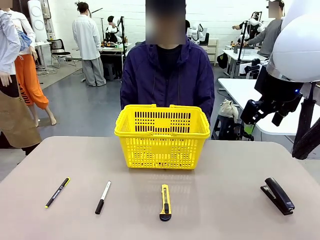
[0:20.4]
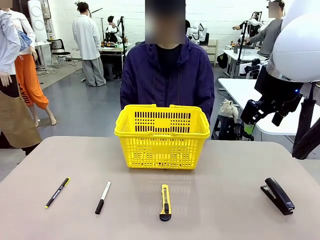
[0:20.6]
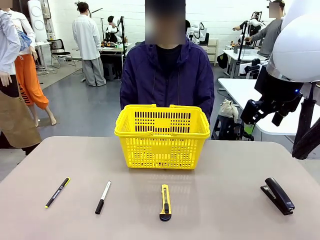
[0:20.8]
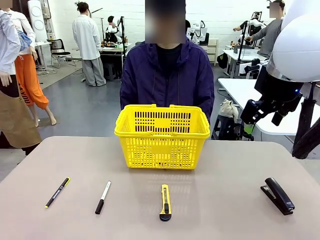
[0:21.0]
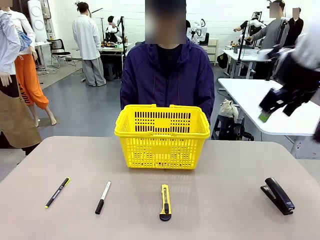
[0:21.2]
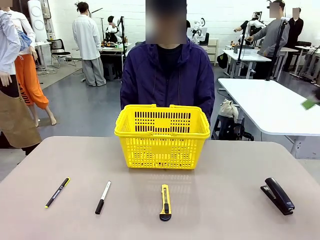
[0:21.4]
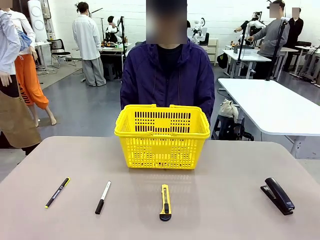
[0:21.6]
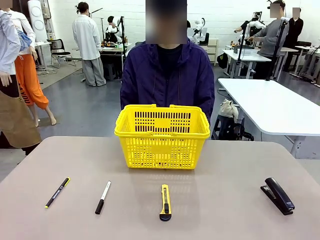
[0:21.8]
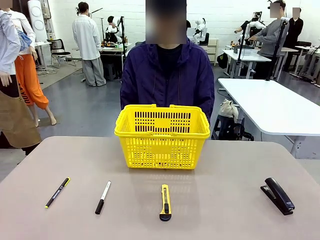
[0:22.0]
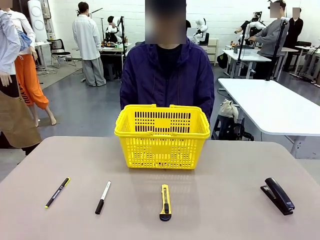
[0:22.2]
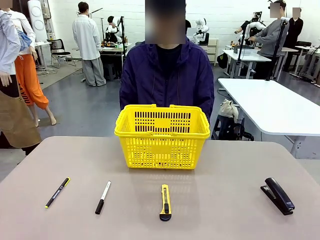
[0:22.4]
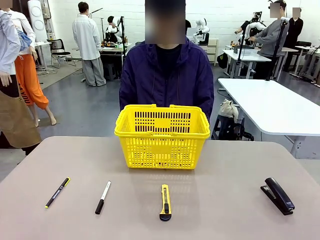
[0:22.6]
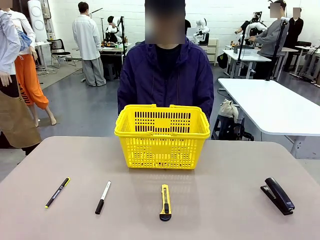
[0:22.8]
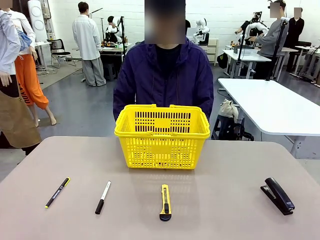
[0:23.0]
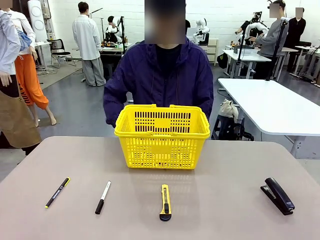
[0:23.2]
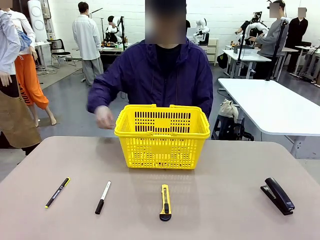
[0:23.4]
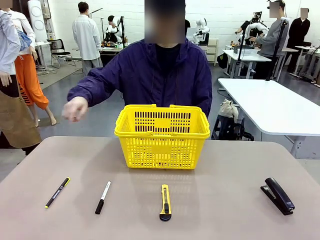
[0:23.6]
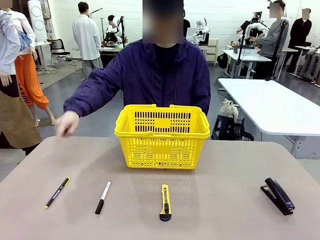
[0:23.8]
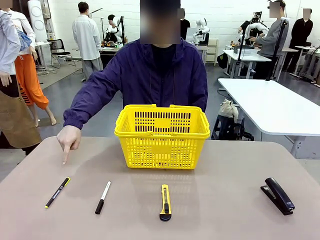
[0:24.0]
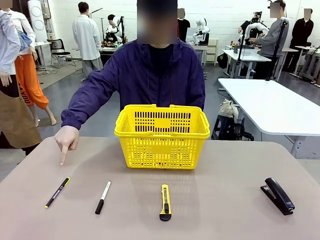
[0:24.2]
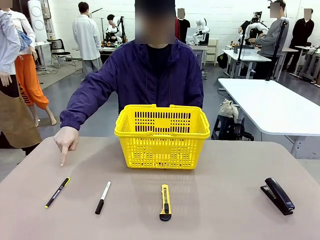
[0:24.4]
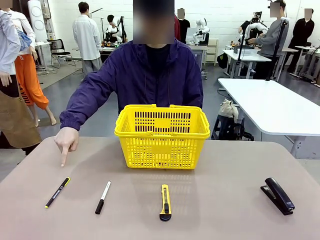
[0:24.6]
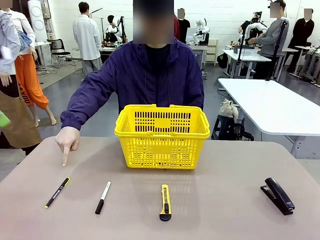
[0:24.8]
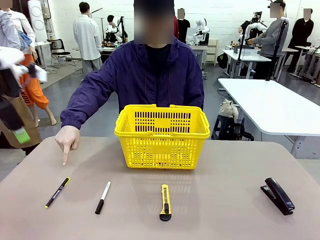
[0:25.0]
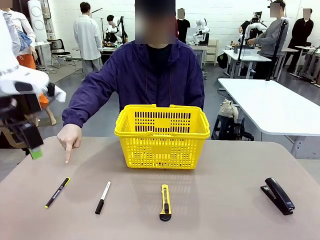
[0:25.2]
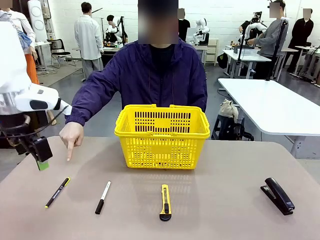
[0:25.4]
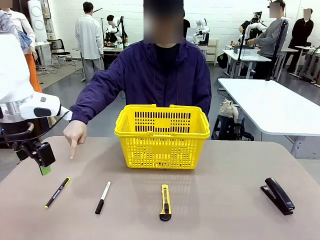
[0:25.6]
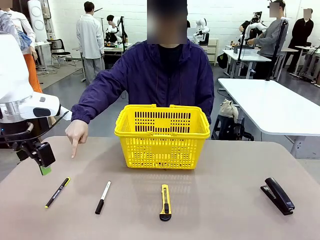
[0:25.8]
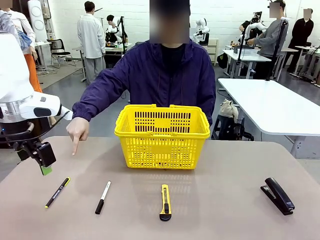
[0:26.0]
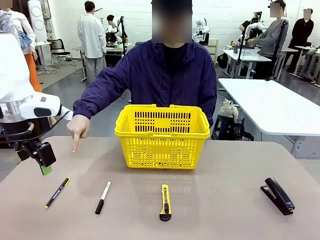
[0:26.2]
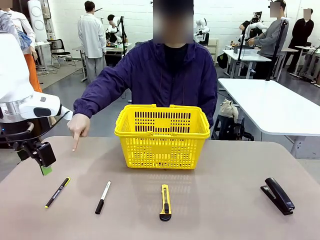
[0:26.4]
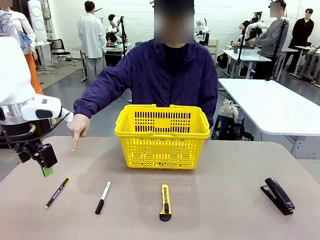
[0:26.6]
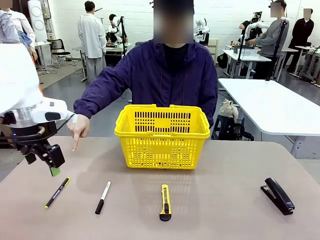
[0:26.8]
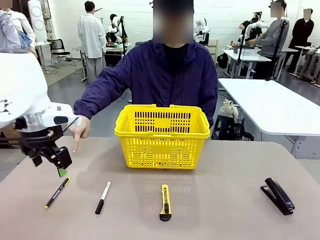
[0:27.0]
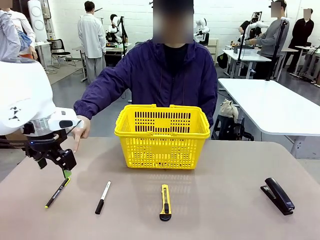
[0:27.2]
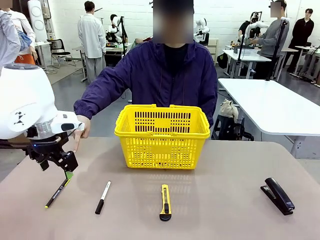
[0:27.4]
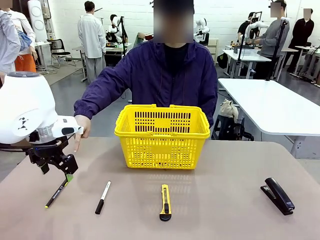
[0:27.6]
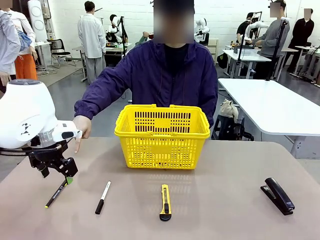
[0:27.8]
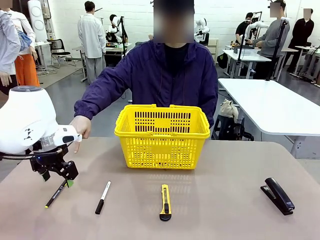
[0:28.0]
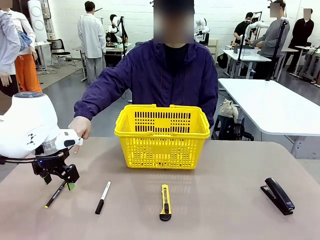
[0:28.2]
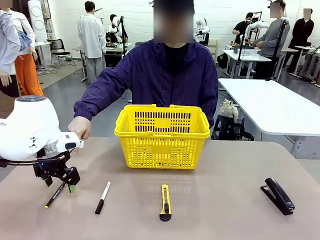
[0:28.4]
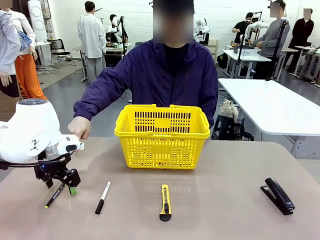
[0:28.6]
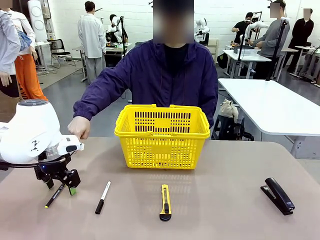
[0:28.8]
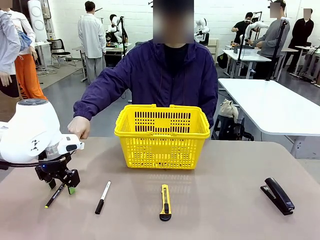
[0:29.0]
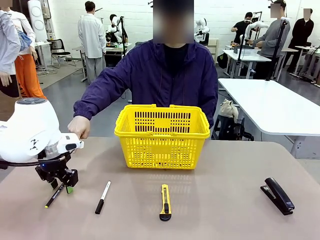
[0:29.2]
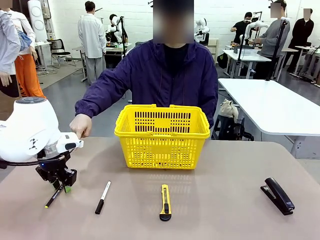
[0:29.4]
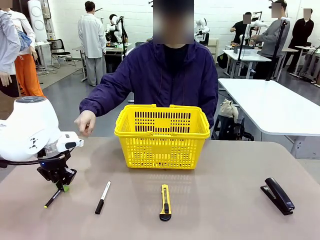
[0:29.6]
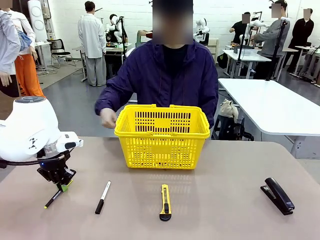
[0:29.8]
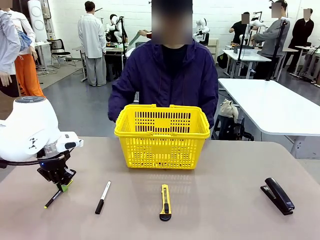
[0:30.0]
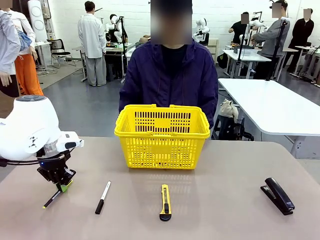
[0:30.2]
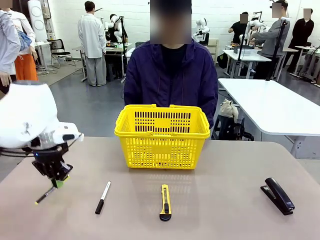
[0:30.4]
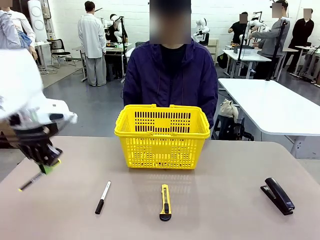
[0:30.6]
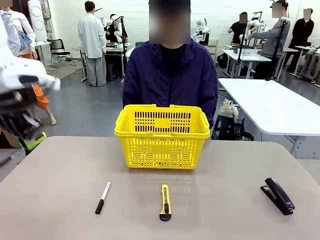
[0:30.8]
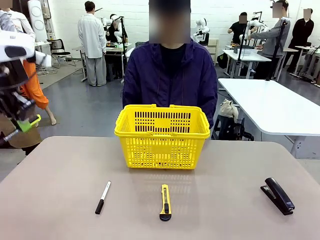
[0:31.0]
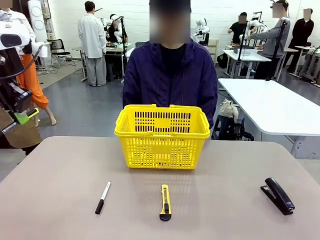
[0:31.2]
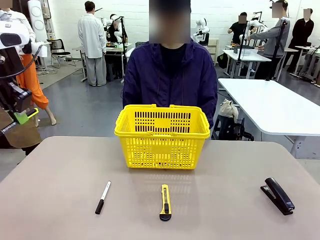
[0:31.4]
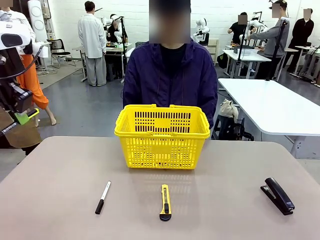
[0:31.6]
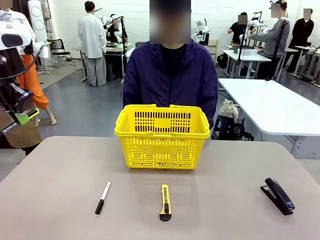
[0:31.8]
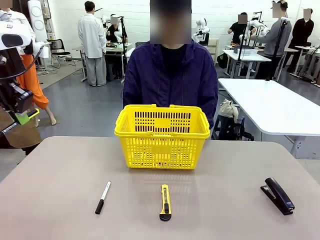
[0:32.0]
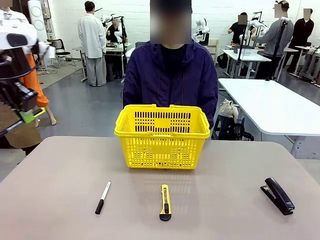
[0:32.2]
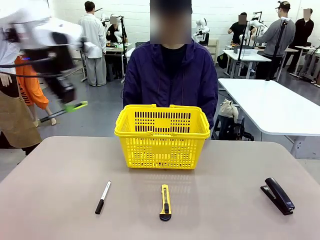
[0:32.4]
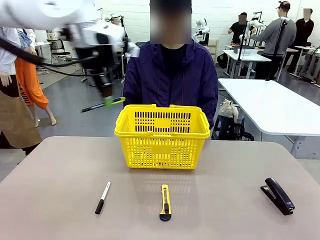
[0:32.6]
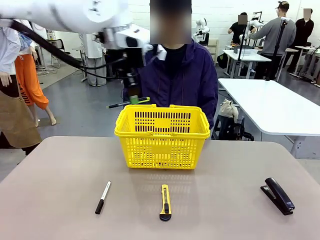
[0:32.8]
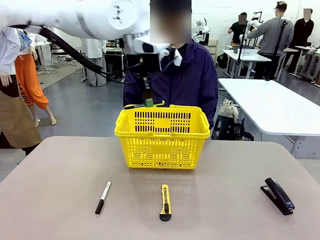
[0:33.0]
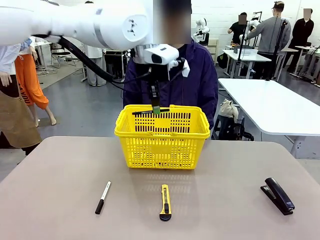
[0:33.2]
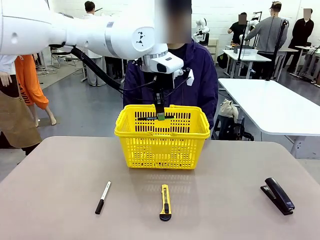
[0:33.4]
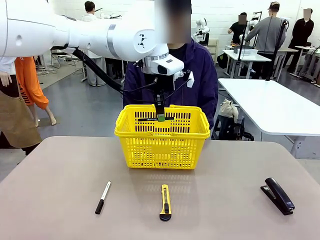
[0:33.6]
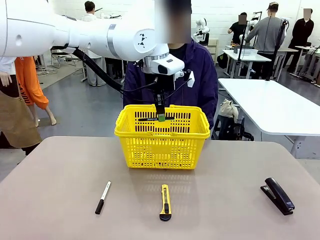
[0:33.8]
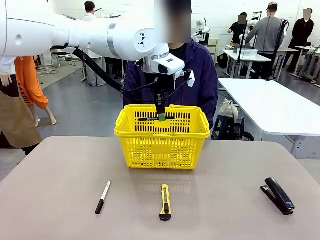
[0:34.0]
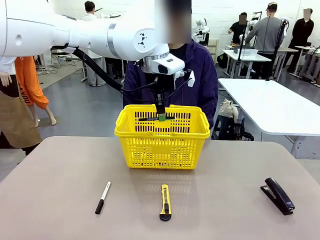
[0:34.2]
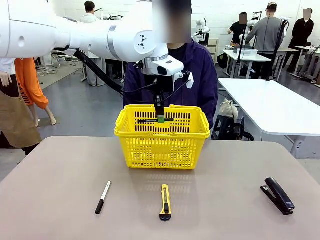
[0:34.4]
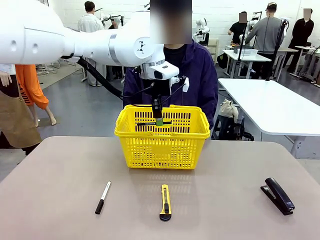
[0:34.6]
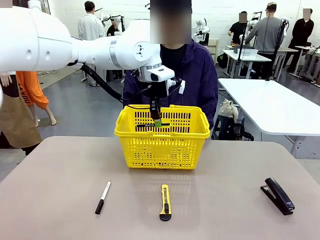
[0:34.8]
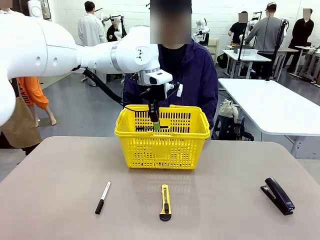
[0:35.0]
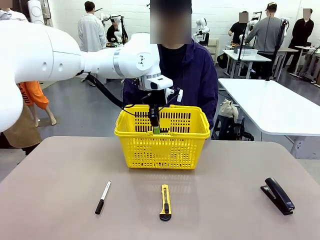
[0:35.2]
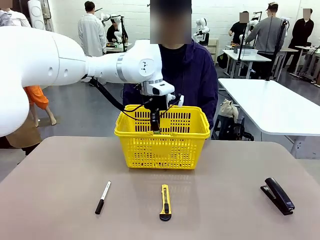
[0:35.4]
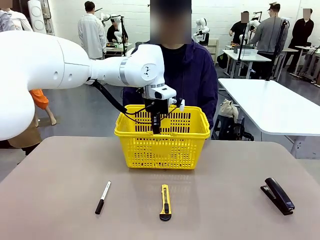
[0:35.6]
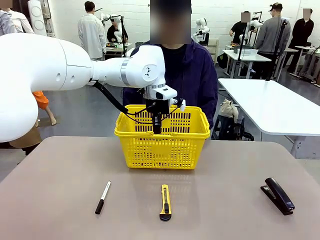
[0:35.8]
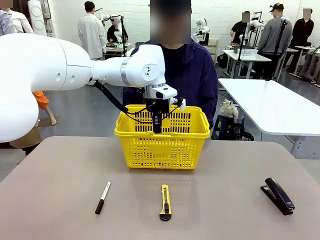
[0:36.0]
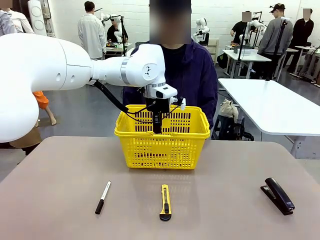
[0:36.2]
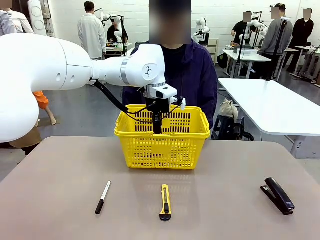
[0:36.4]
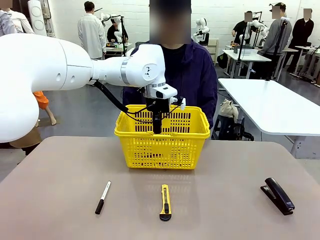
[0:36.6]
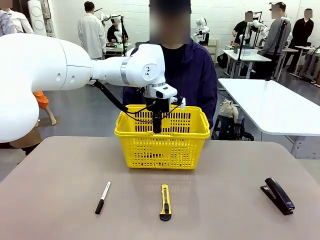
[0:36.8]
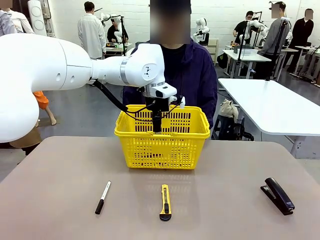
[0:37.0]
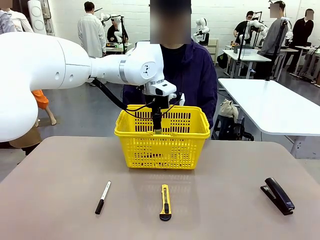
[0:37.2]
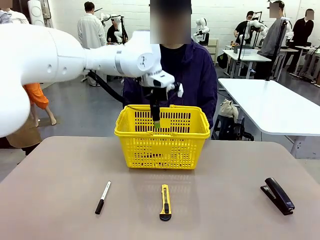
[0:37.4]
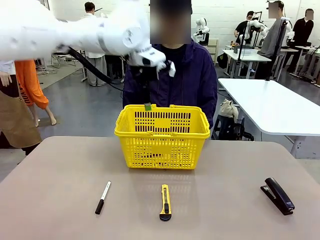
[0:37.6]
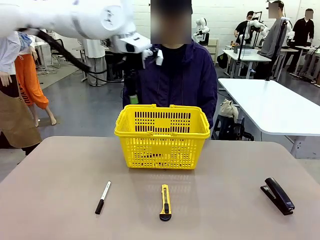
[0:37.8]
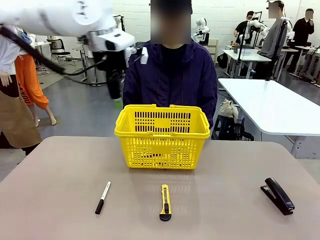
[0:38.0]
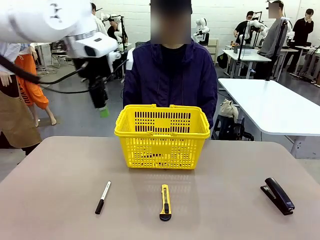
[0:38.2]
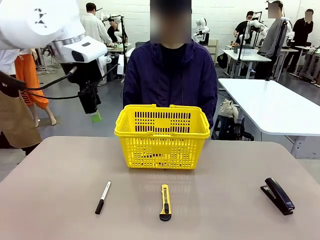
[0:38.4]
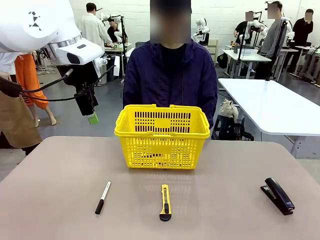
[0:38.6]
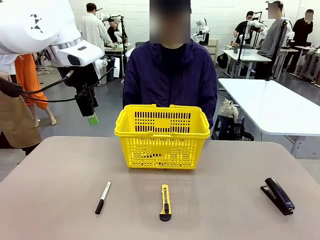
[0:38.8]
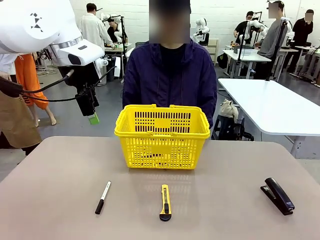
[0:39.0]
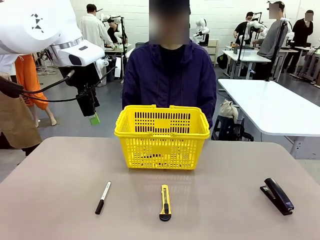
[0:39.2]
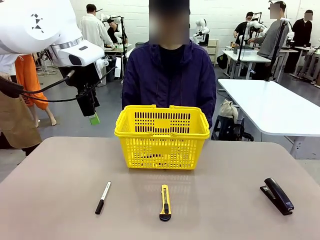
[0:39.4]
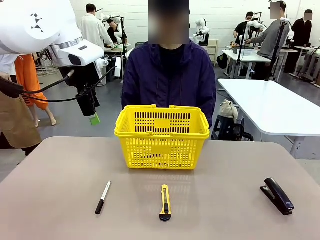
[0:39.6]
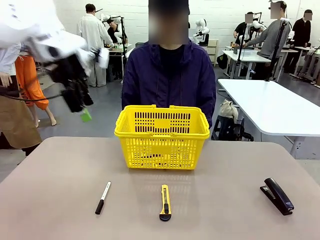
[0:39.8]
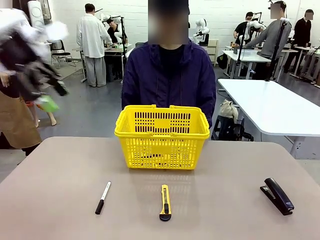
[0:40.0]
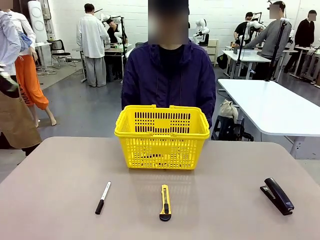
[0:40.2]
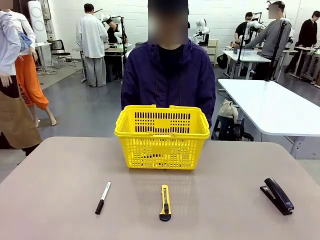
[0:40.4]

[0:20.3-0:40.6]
Task: Place the items the person wants into the basket.
Robot: Pick up the item the person points to and place it in the Market Basket.
